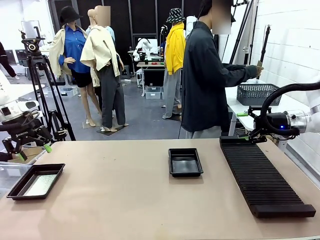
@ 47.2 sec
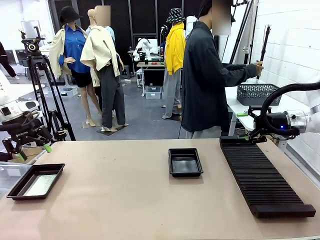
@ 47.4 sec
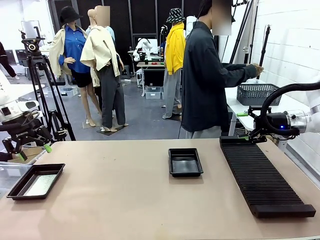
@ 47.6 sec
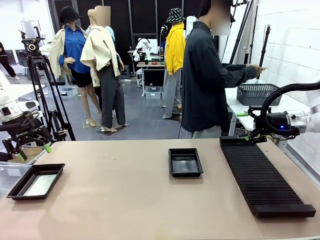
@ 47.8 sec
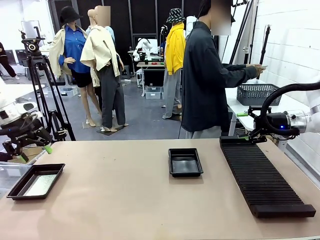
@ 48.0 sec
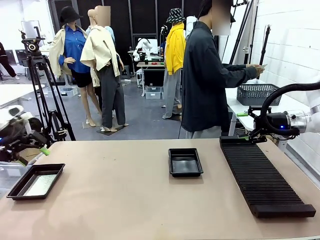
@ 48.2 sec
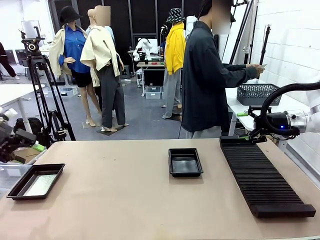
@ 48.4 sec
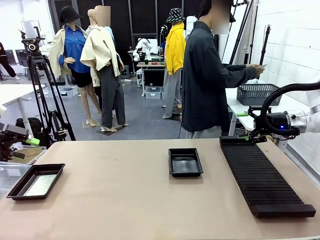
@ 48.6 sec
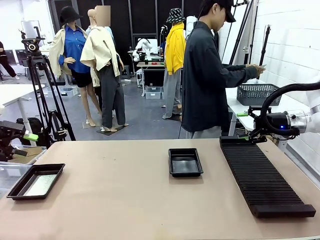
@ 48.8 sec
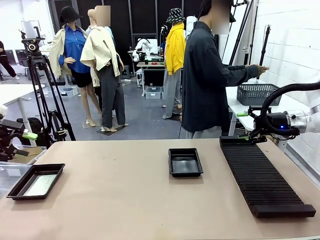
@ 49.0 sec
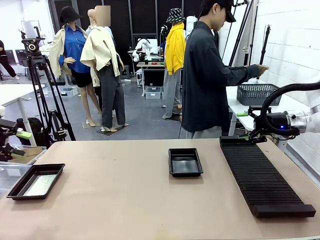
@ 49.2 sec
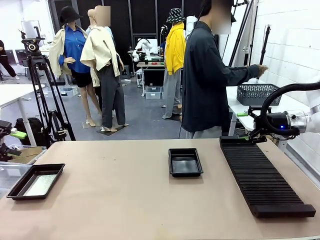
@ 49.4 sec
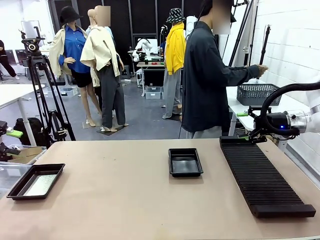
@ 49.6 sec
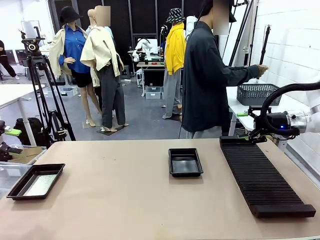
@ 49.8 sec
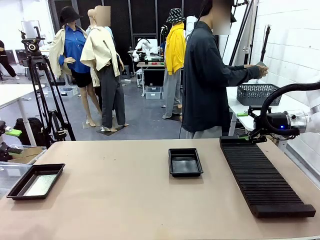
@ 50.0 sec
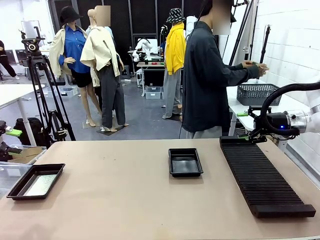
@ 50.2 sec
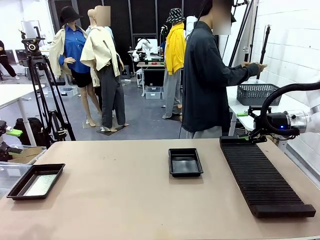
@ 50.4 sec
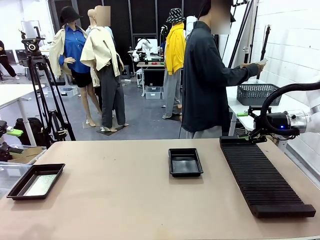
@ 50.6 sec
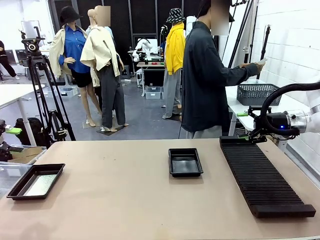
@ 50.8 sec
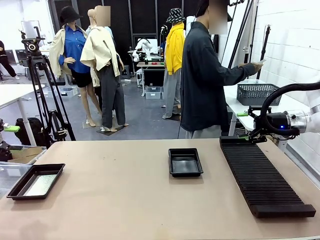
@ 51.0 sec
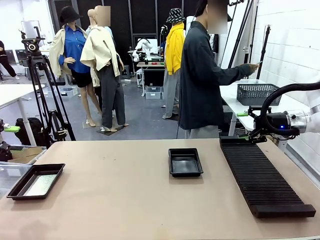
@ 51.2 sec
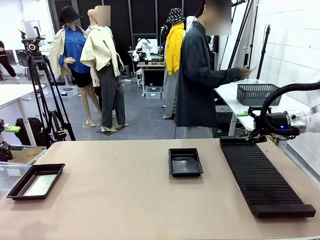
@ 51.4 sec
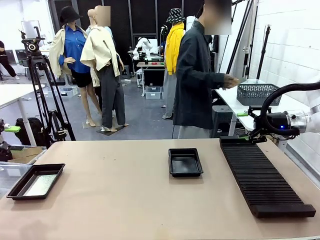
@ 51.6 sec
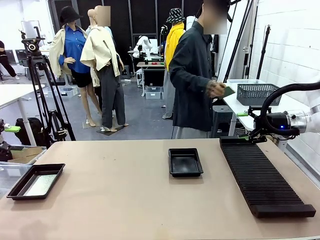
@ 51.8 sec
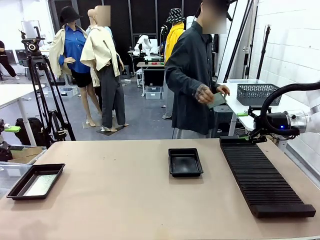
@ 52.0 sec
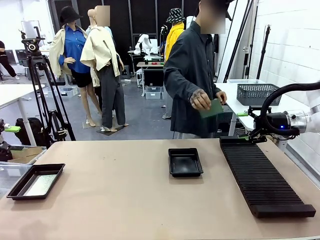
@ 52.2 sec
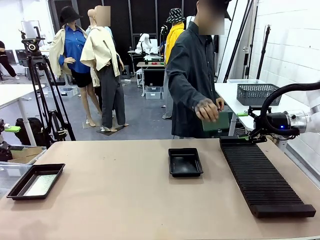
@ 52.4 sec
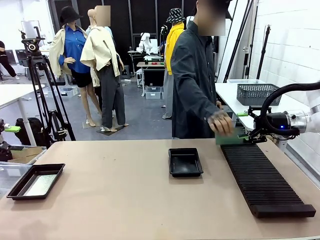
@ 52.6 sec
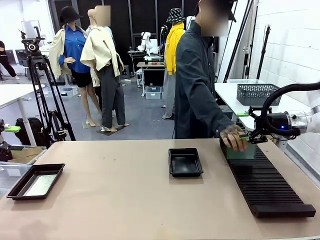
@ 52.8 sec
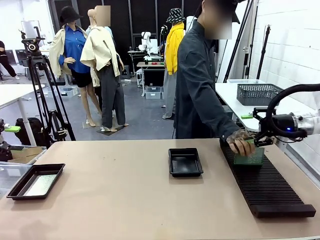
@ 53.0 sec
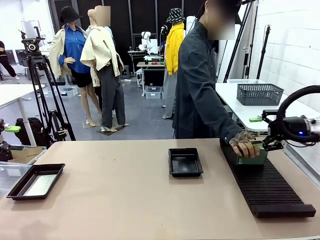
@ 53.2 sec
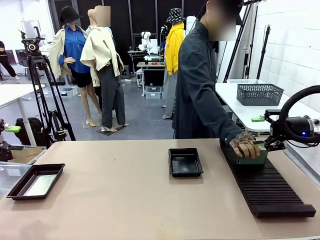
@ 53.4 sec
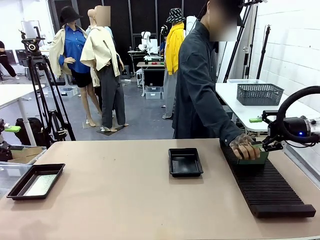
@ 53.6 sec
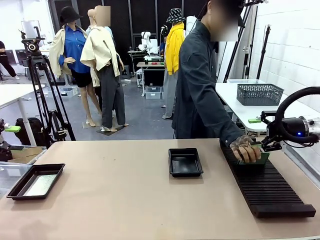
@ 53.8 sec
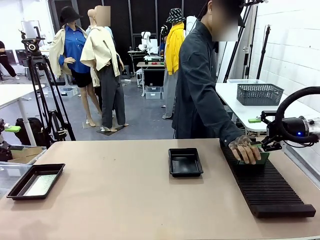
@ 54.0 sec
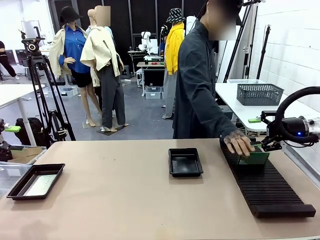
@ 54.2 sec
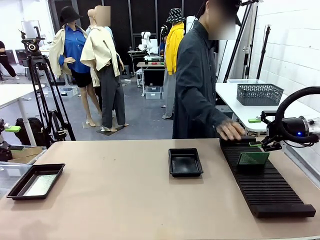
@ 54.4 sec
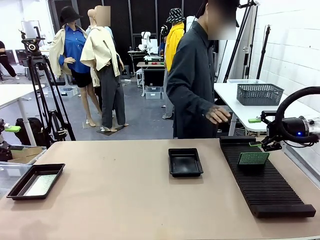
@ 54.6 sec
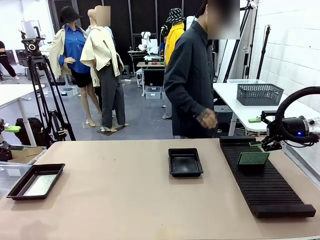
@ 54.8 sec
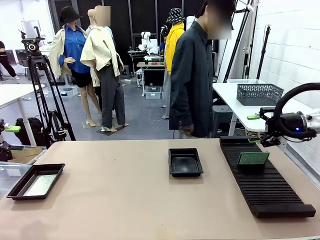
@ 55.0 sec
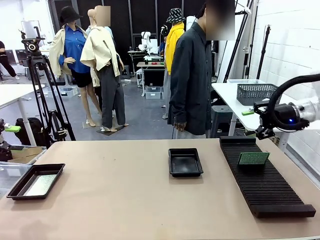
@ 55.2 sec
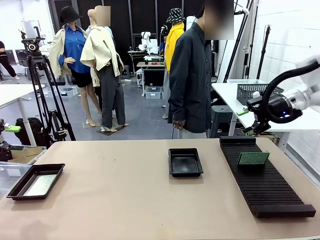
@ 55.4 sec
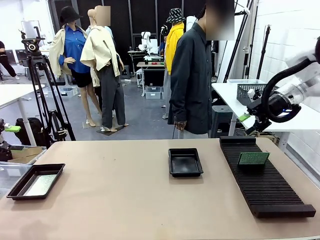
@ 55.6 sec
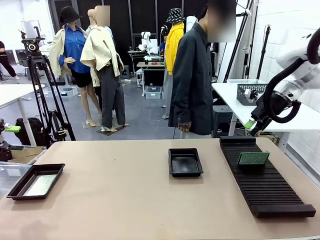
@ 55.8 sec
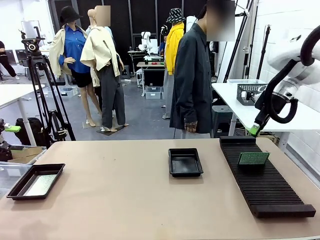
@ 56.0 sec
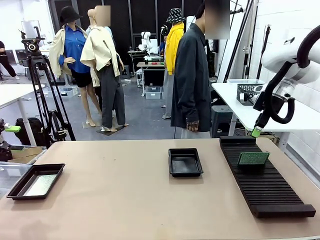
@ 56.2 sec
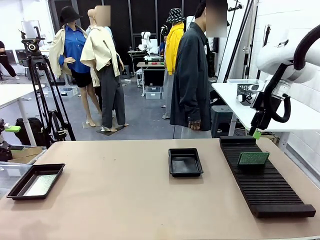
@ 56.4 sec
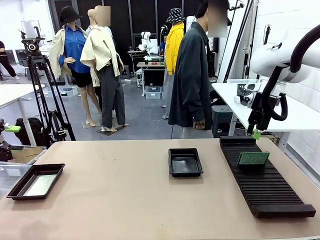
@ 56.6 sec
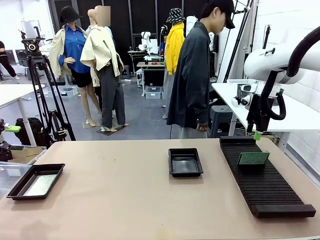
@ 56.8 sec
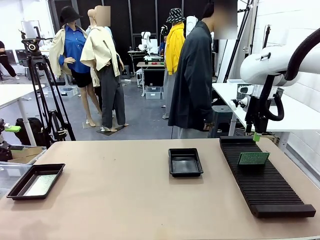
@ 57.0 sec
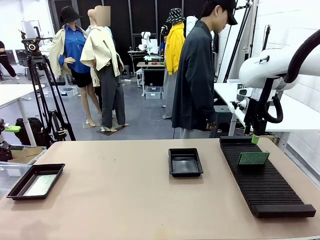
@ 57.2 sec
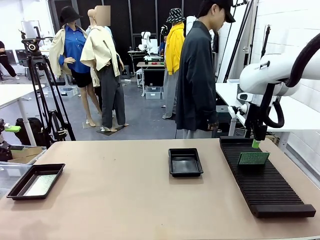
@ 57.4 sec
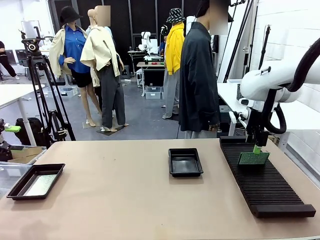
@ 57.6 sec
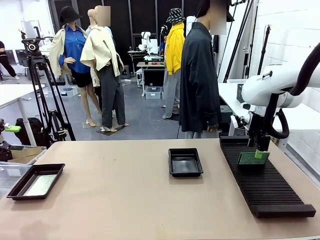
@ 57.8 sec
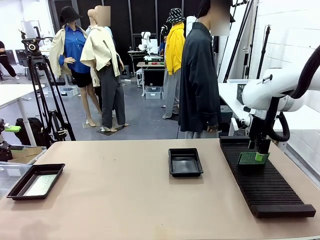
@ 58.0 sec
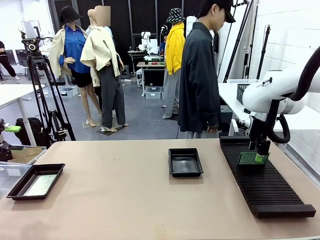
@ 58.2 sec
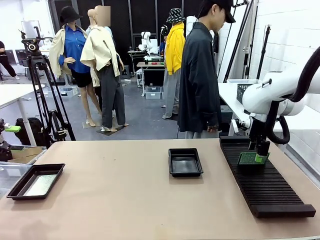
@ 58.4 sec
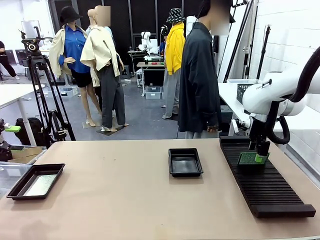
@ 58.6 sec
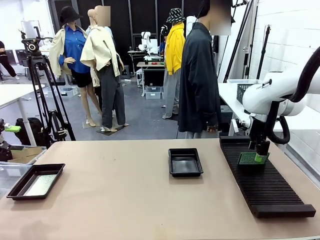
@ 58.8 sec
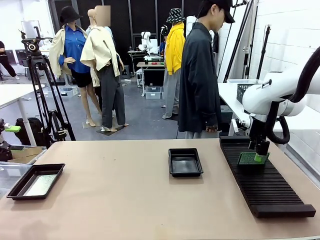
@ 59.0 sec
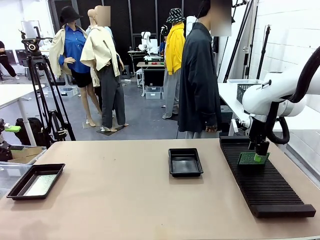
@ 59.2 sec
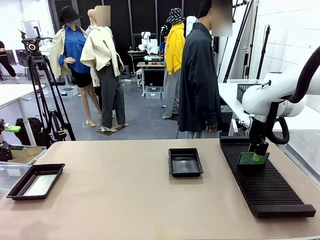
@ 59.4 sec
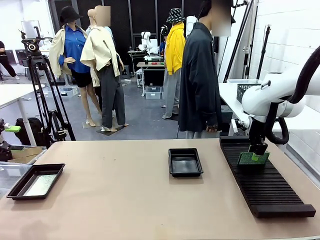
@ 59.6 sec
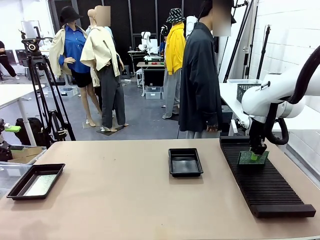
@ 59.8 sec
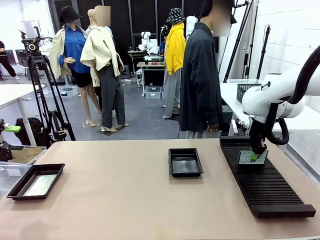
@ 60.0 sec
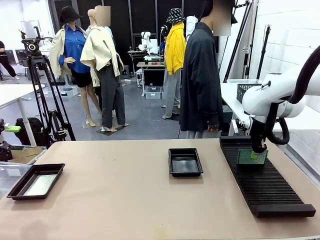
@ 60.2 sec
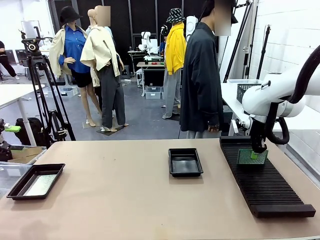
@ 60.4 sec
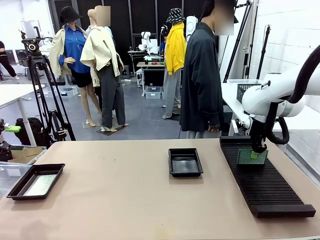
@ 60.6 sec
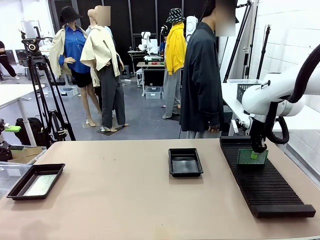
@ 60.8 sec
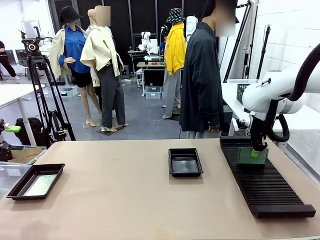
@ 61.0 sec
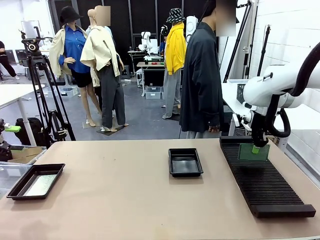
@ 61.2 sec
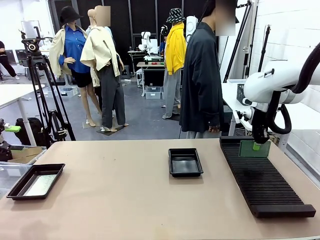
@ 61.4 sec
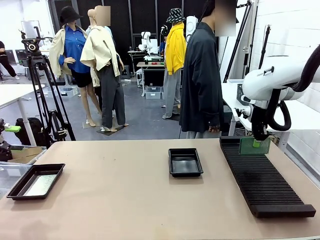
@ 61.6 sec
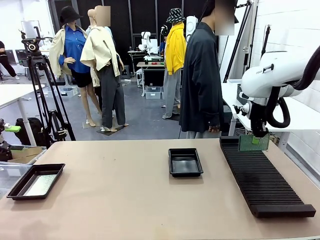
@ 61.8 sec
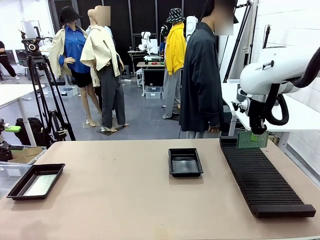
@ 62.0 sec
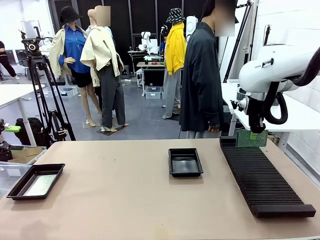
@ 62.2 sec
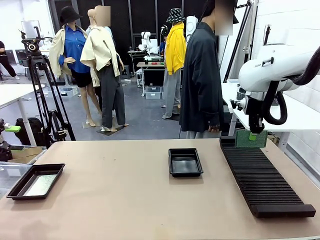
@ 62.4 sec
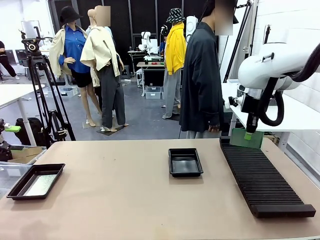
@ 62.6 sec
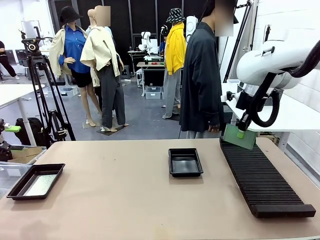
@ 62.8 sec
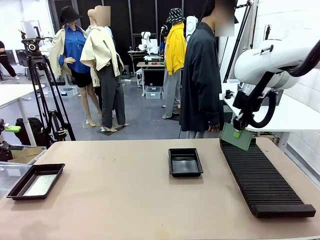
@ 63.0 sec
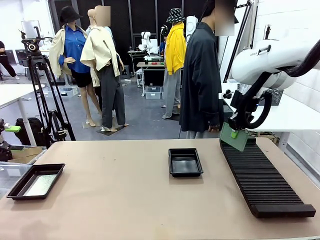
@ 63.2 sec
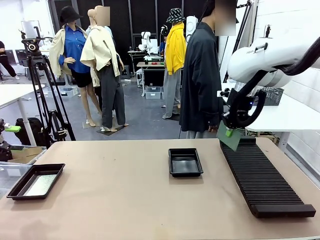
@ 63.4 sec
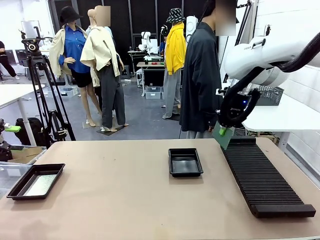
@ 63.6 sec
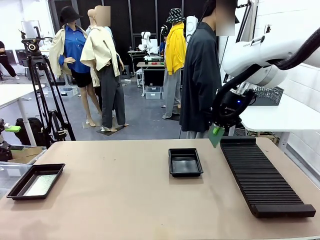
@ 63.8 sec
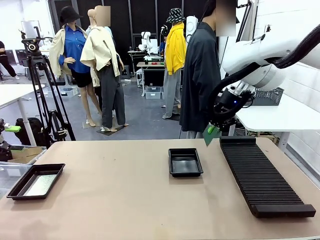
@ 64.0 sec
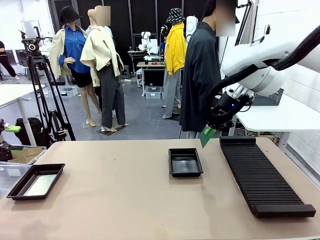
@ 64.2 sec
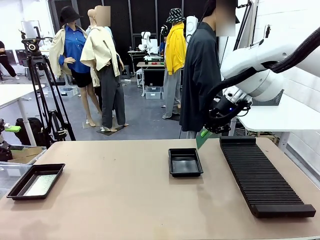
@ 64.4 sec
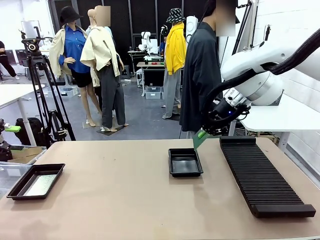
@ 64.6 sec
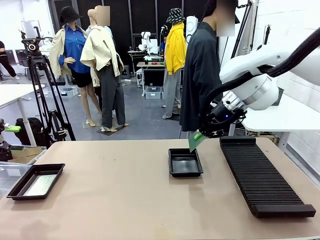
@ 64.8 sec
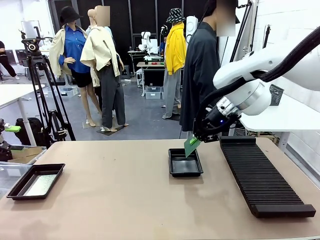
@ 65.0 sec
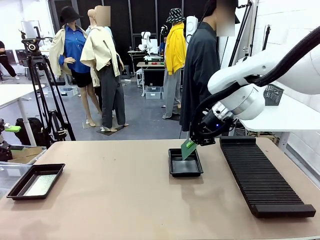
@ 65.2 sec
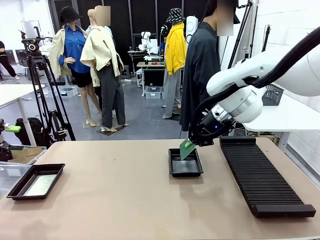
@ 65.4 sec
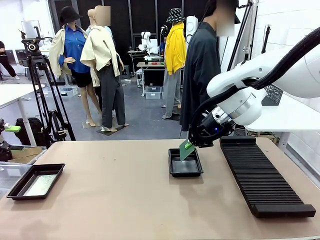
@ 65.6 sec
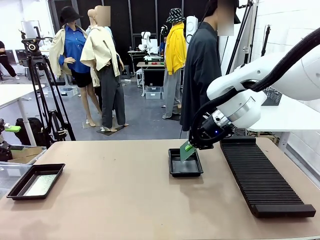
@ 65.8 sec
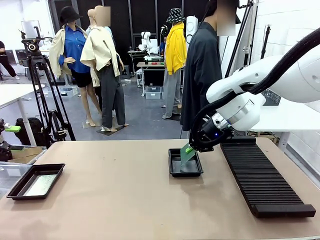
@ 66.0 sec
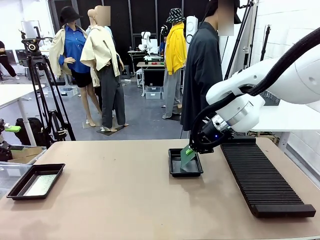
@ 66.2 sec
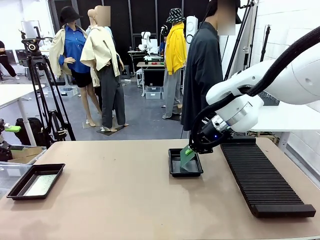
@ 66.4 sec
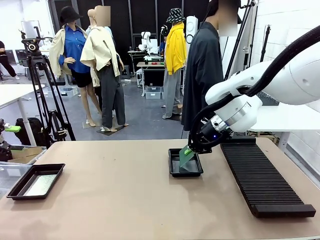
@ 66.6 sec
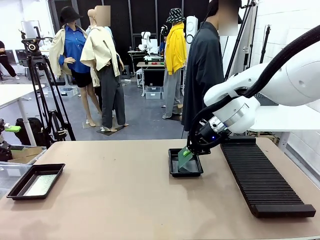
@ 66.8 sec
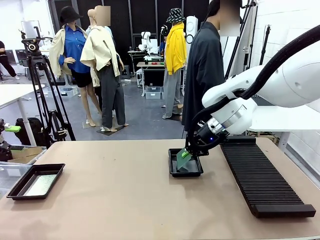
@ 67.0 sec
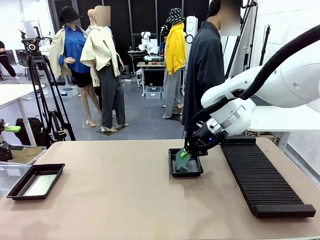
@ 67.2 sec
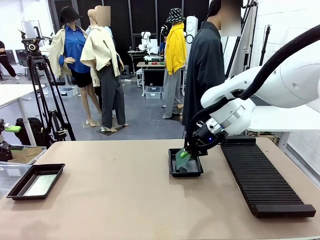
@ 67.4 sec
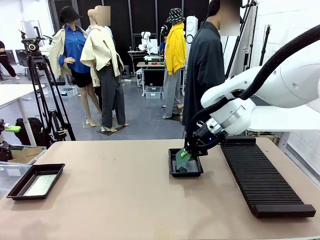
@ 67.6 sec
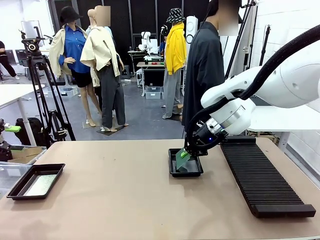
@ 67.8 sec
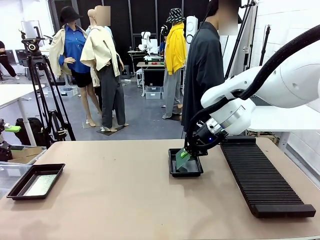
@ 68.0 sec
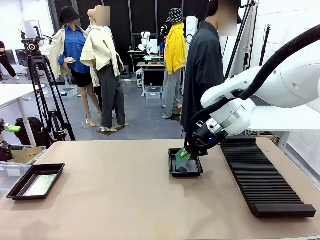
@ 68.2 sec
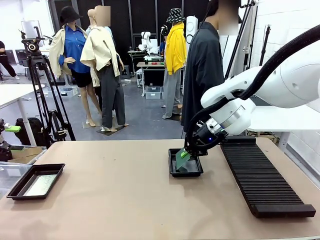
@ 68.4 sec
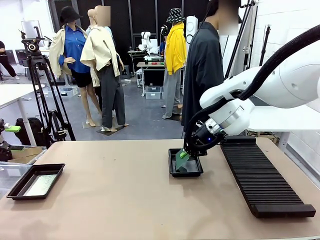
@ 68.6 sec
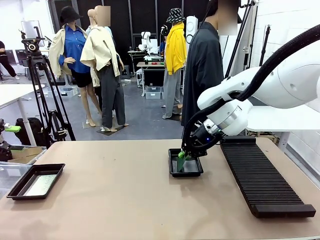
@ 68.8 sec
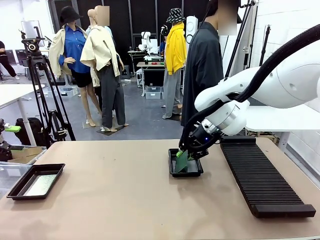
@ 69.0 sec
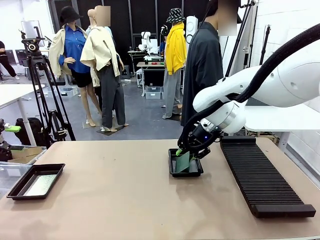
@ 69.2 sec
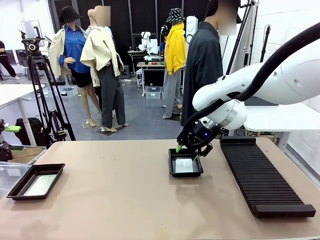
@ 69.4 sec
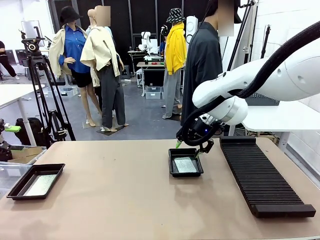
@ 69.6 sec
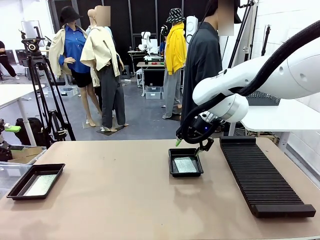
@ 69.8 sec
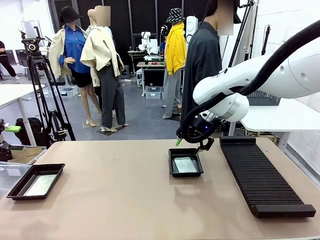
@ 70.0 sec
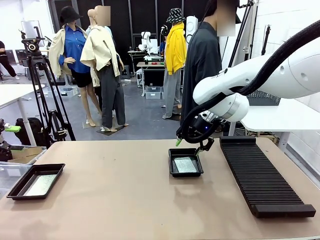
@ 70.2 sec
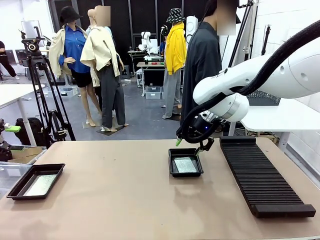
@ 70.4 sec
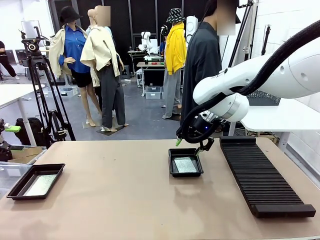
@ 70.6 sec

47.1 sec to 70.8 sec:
Task: Inspect and transfer BCBs to ESD trays.
Robot: Pick up the Blank PCB from the PCB Rack and place it in the right ESD tray.
